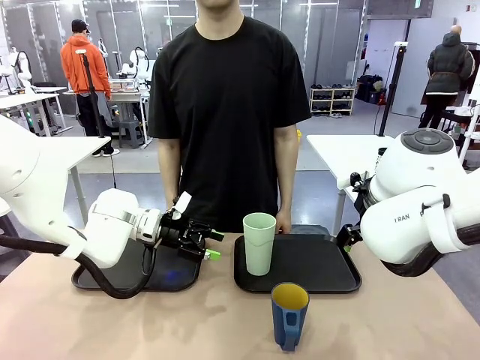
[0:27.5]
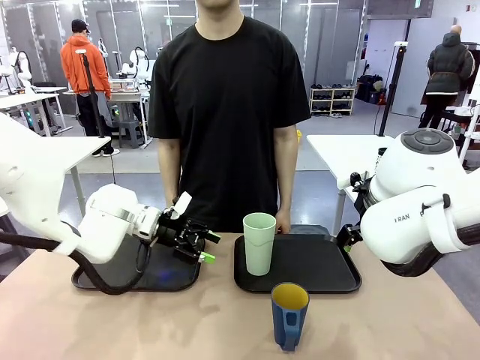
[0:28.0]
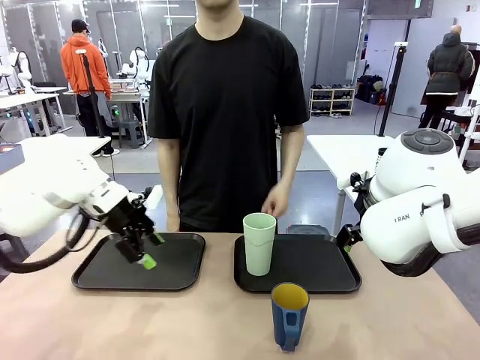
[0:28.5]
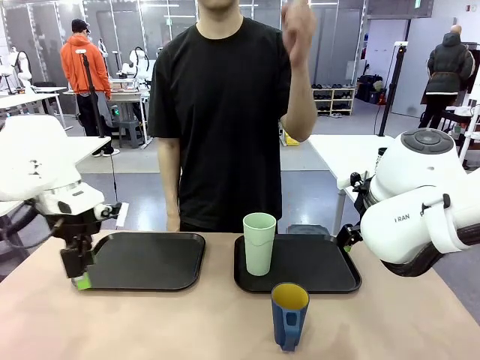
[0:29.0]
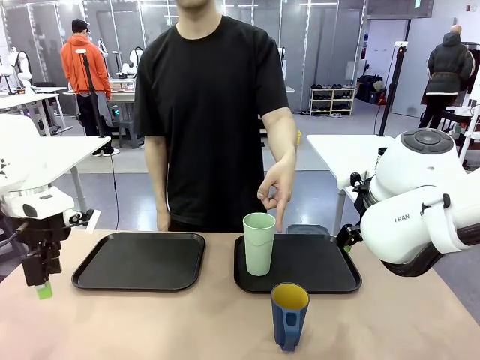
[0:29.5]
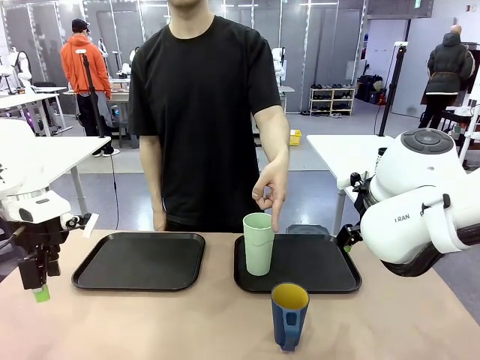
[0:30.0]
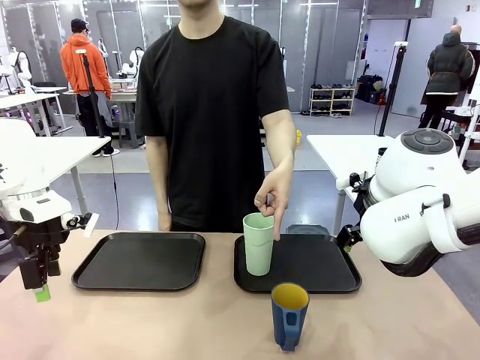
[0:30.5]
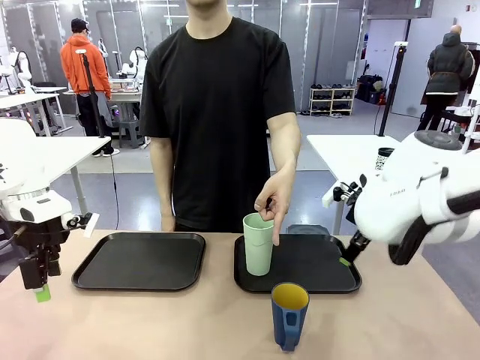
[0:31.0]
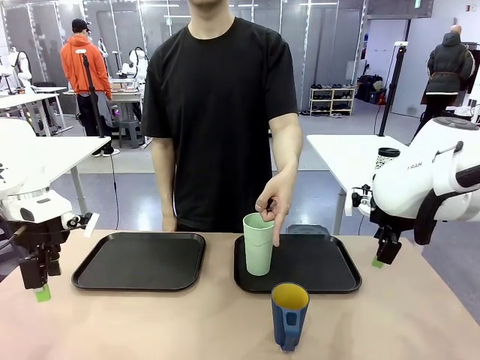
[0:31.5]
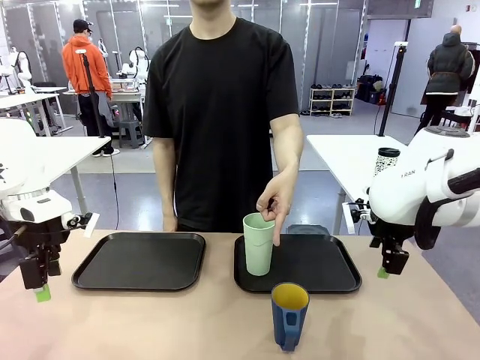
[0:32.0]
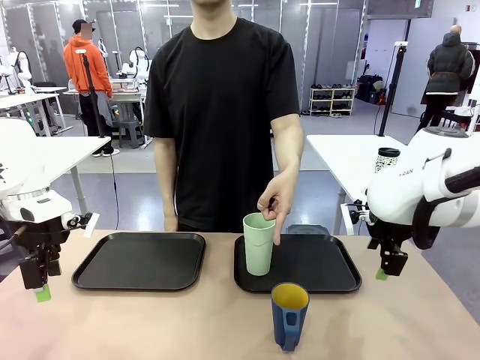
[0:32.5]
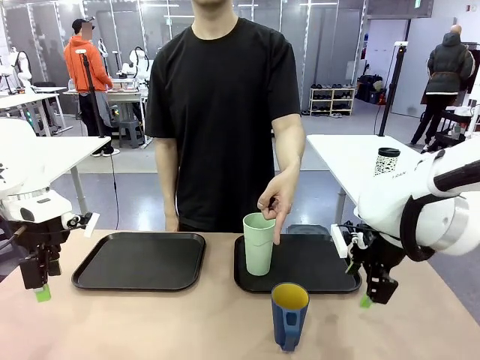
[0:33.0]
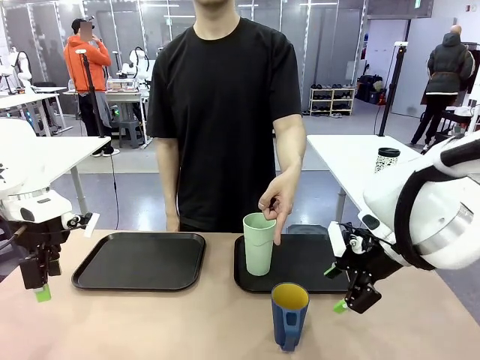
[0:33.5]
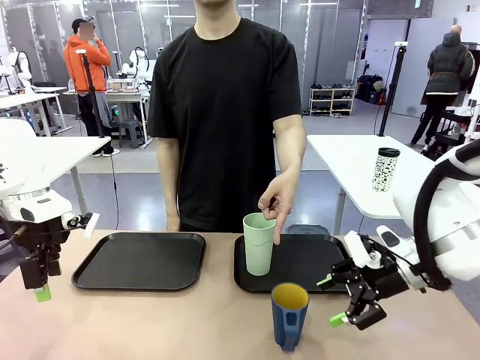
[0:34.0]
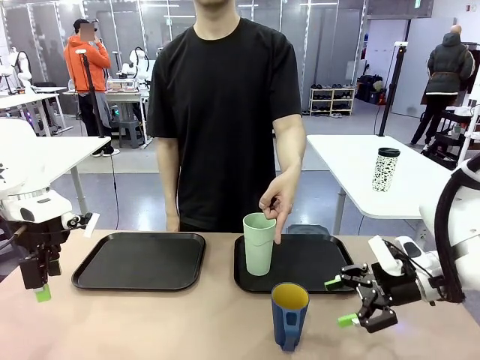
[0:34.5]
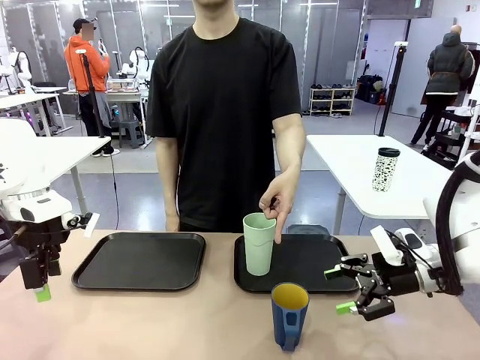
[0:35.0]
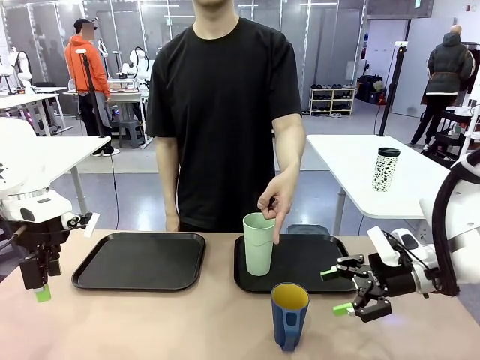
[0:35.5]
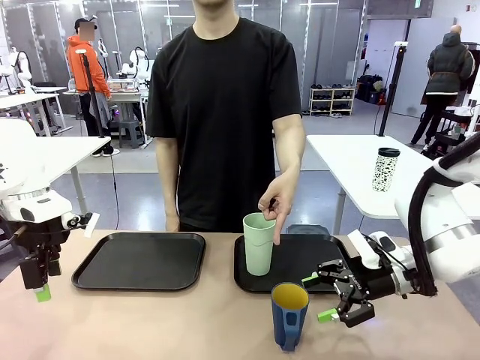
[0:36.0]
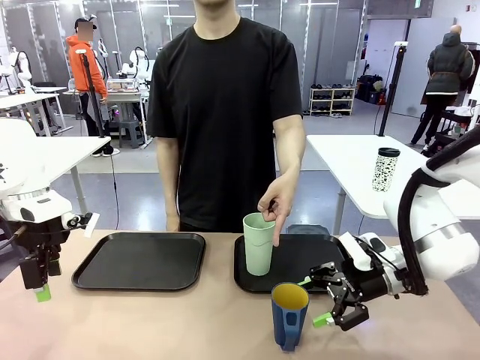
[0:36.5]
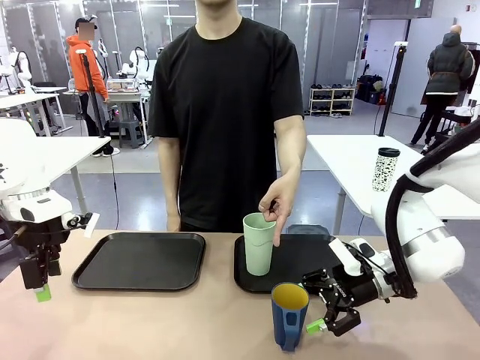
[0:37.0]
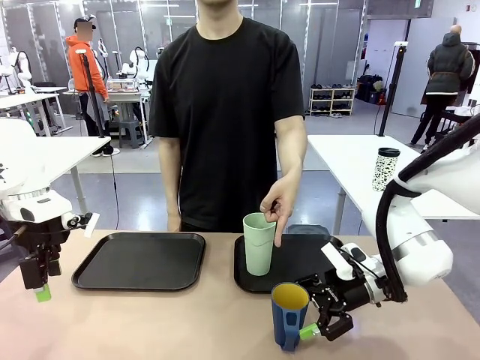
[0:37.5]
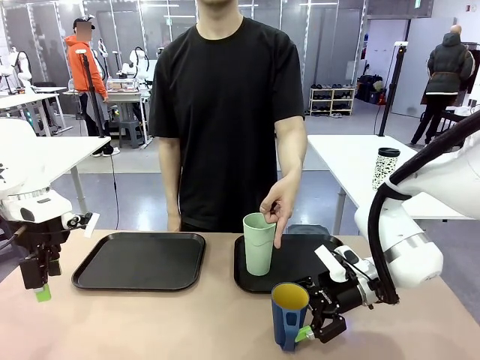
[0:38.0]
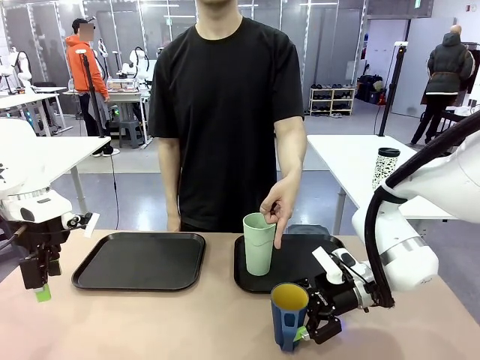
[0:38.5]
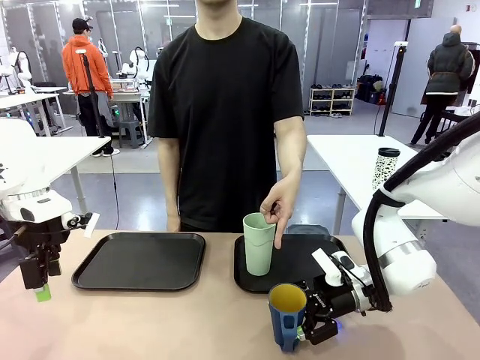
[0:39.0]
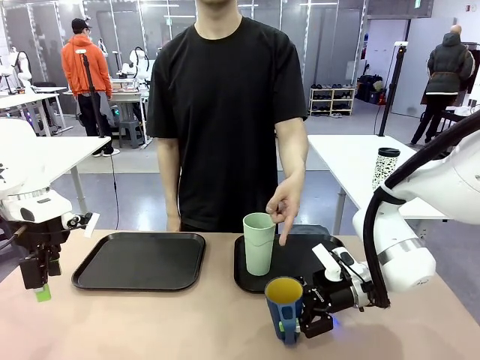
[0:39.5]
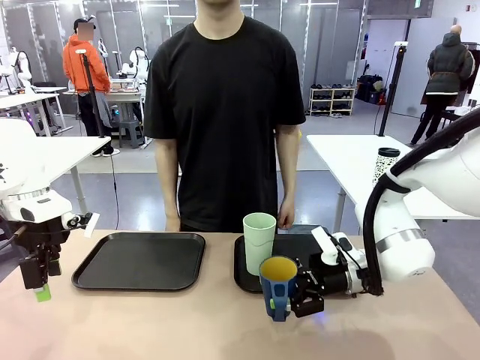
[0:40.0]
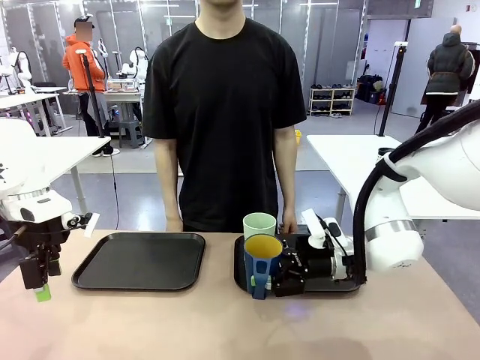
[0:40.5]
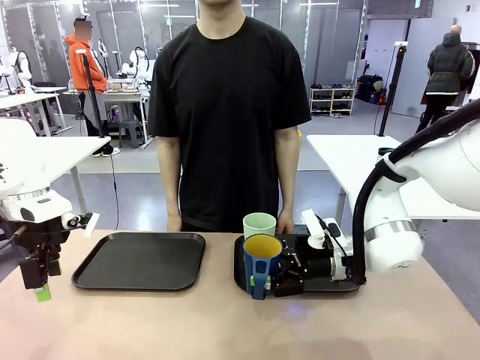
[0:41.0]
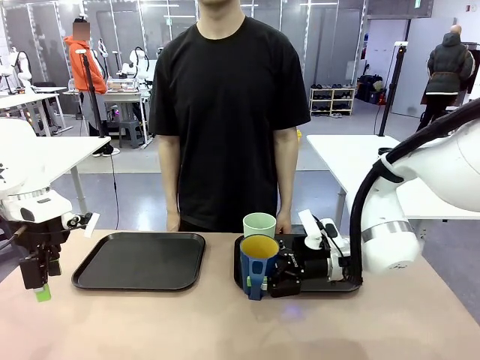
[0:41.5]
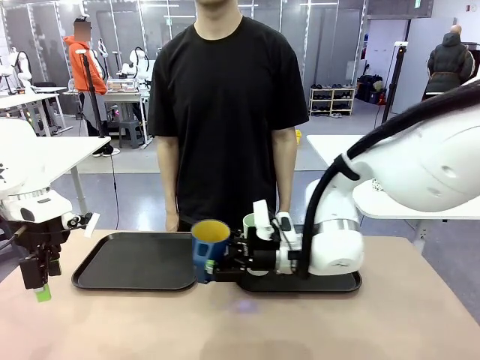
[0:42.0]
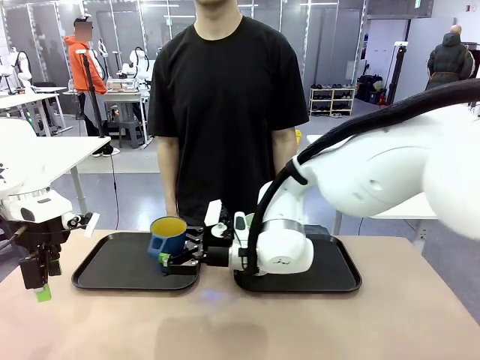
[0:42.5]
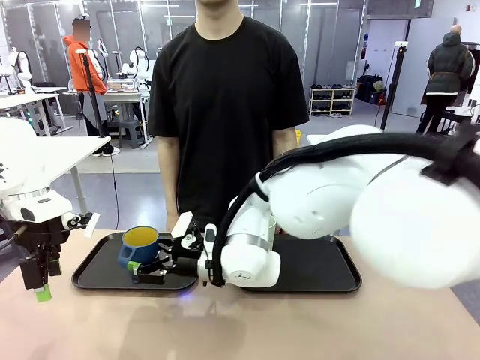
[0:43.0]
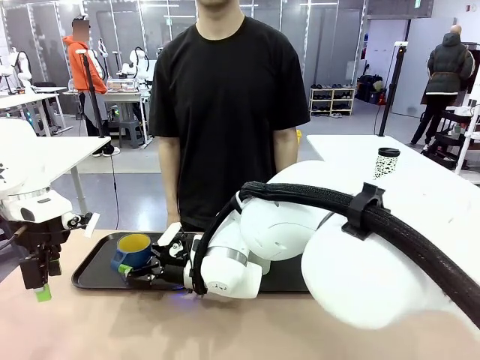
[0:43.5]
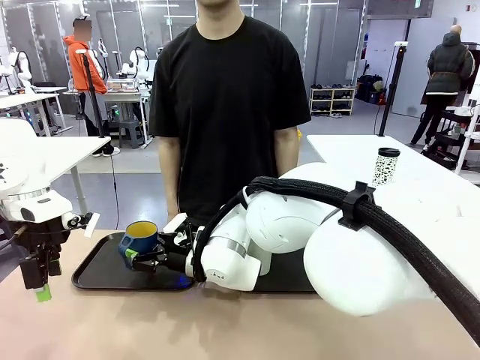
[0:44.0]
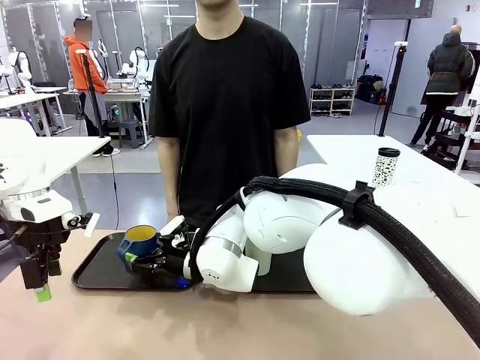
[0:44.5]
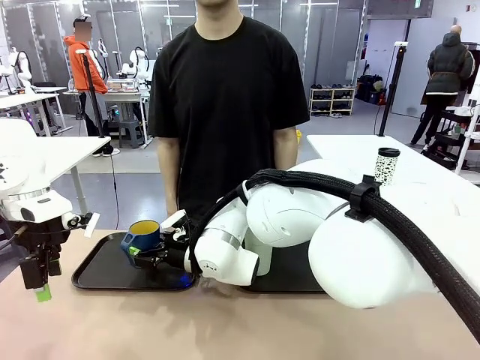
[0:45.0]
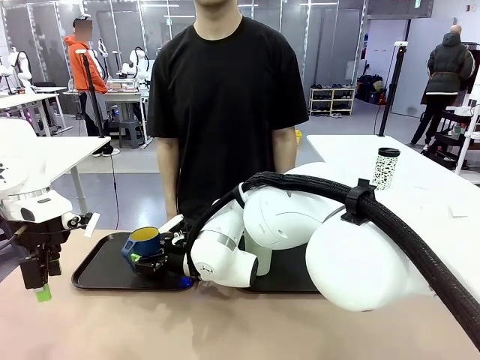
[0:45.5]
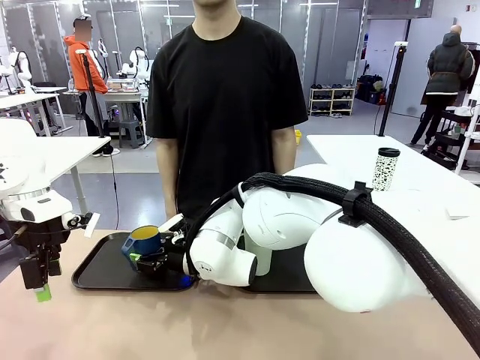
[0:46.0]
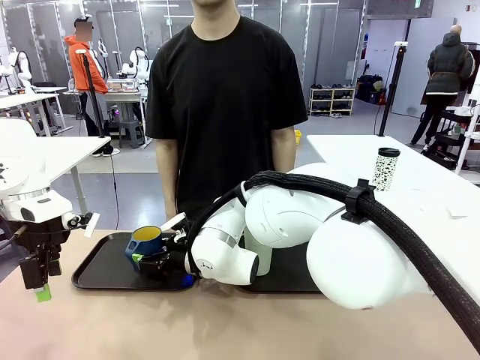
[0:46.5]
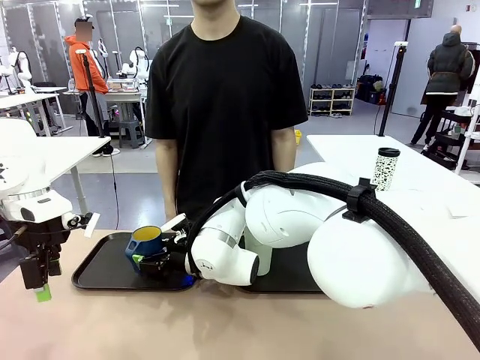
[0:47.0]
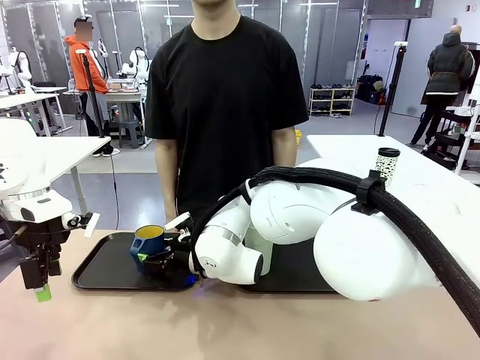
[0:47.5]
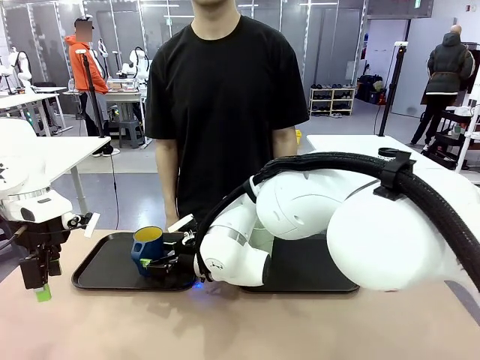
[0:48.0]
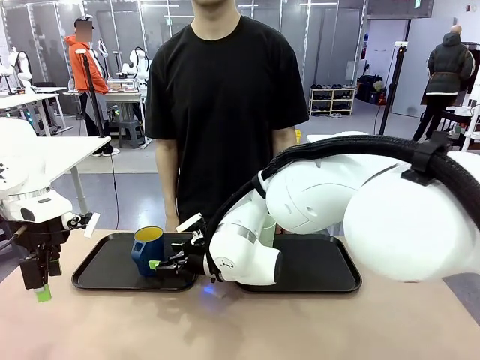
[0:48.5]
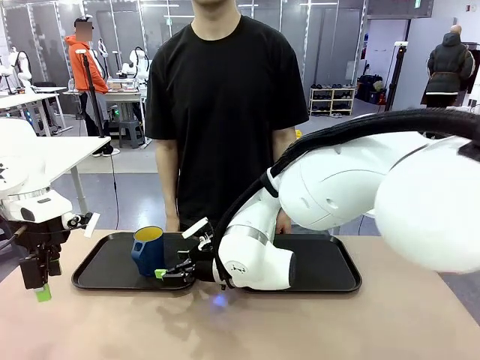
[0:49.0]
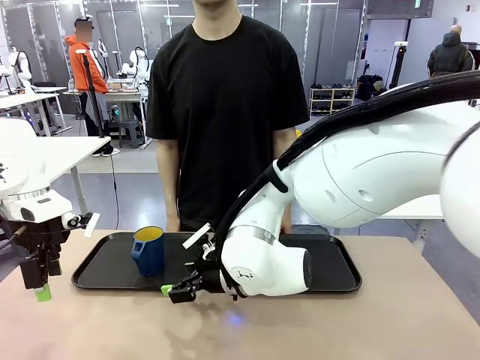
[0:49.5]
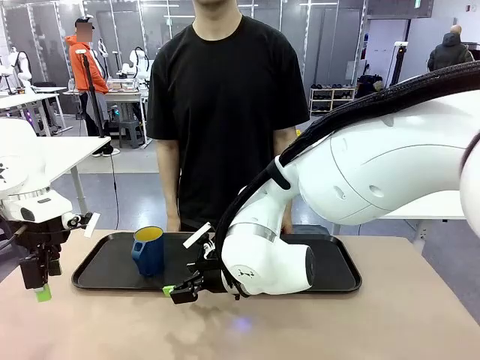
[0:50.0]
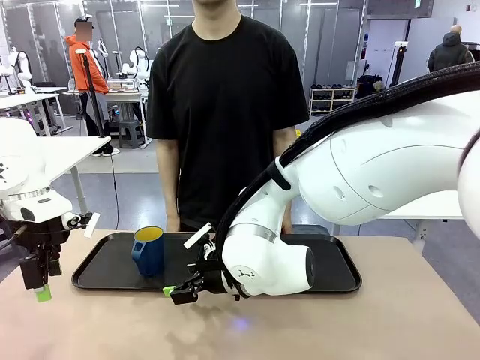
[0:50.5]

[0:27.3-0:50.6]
Task: Sort and store the cups by type.
Robot: Pick up the Handle plastic cup and place it into the empty Flat Tray.
Person: Points to the cup with a handle.

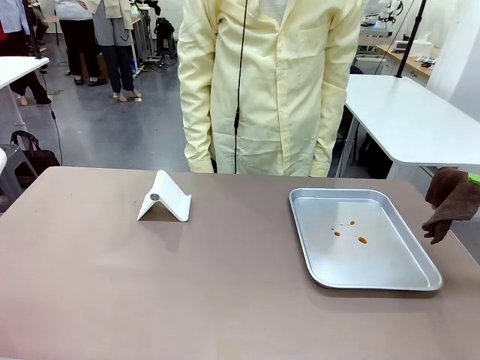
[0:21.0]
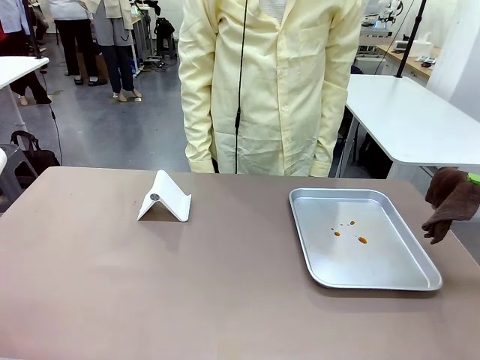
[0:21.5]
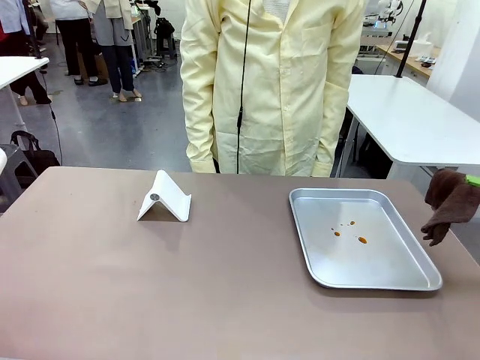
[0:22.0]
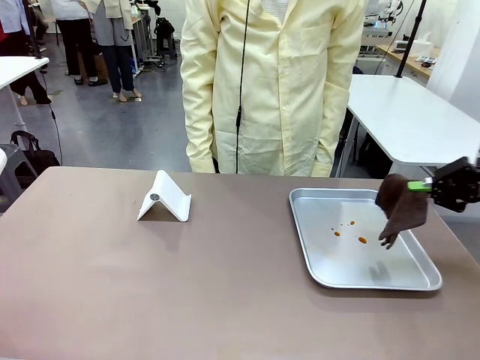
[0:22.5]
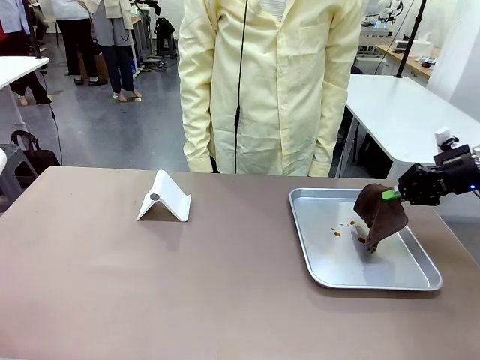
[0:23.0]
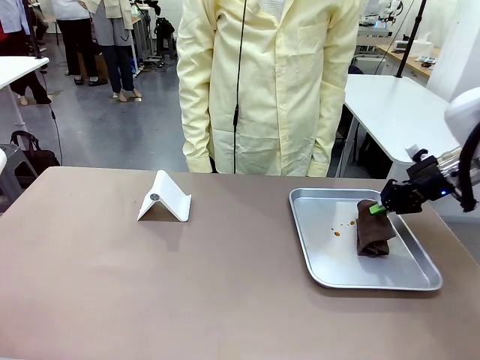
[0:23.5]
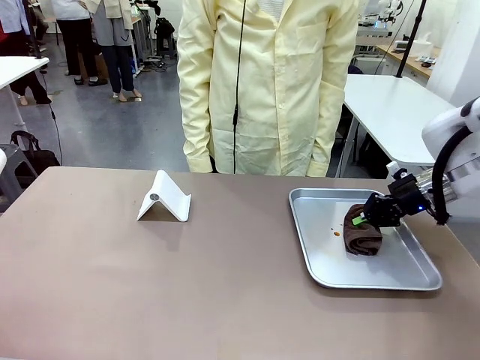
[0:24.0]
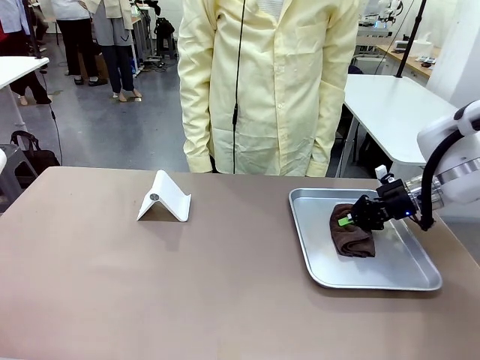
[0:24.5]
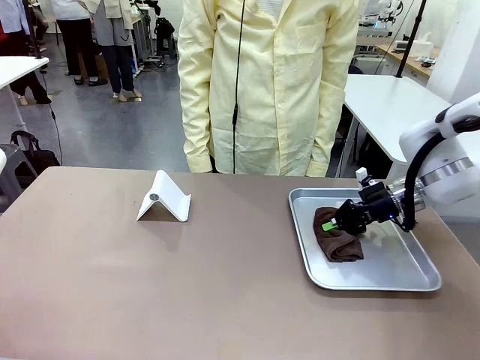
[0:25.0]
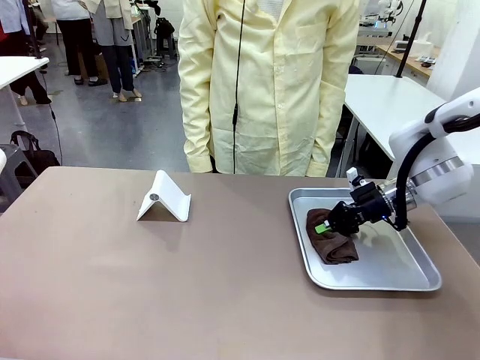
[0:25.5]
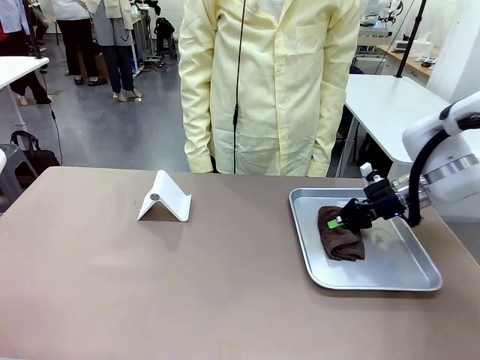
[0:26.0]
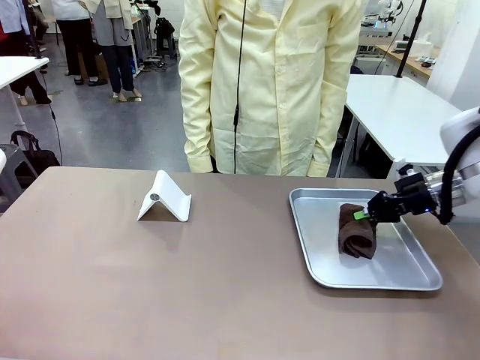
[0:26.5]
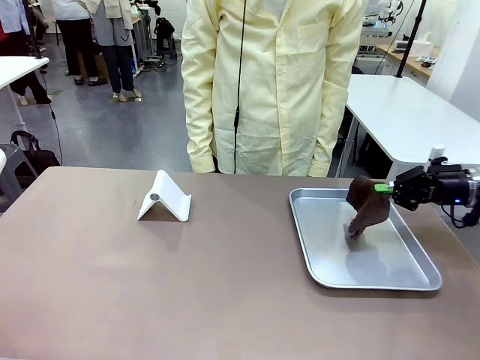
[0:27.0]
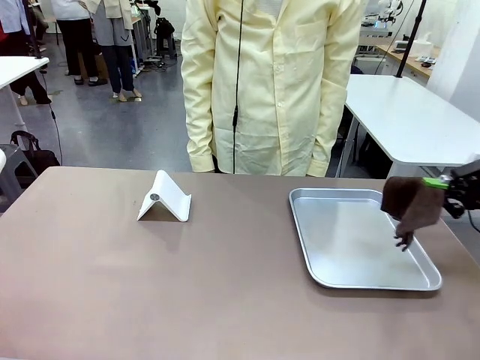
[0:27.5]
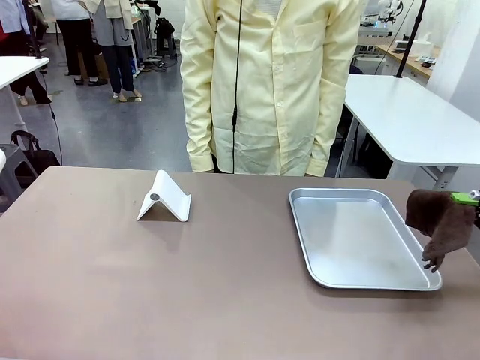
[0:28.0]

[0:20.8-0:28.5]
Task: Clean the surface of the table.
Robot: Clean the area not pointed to by the person.
